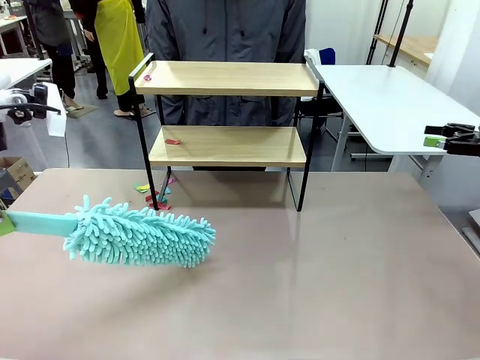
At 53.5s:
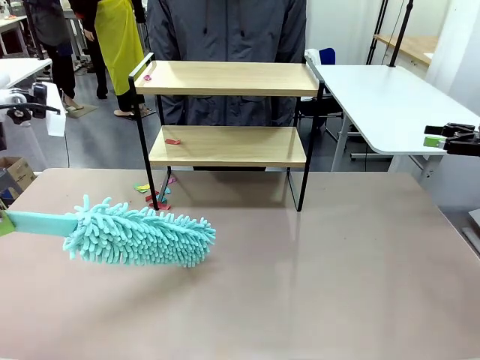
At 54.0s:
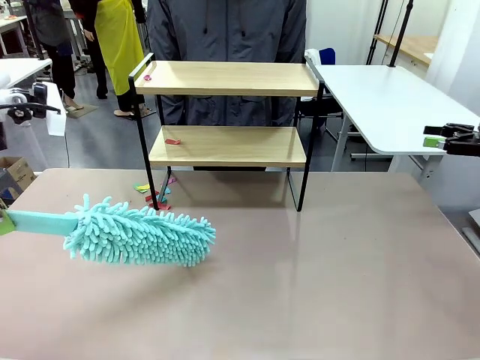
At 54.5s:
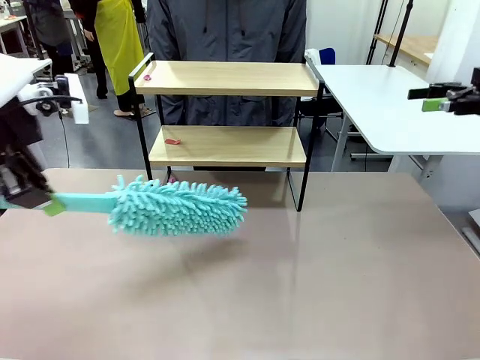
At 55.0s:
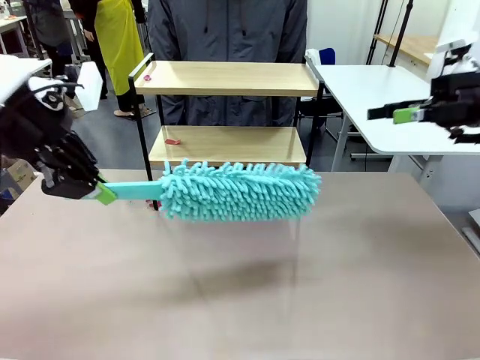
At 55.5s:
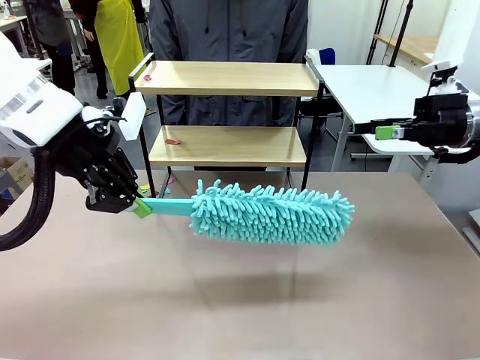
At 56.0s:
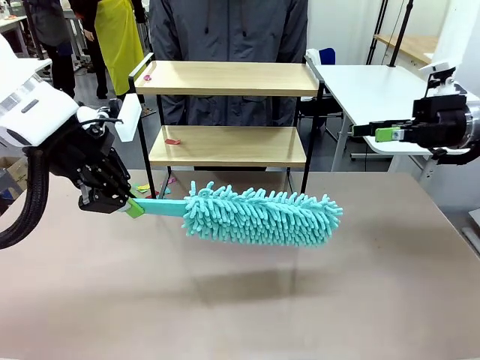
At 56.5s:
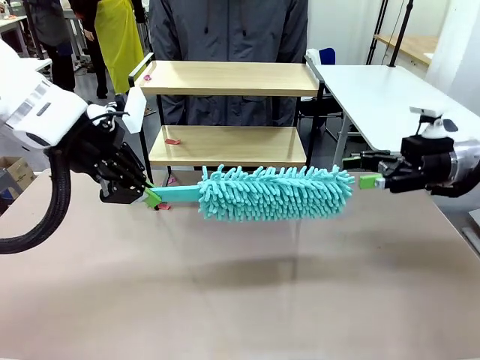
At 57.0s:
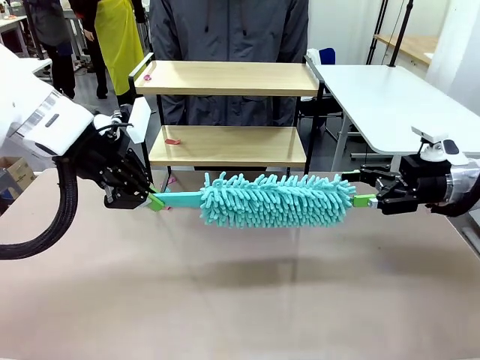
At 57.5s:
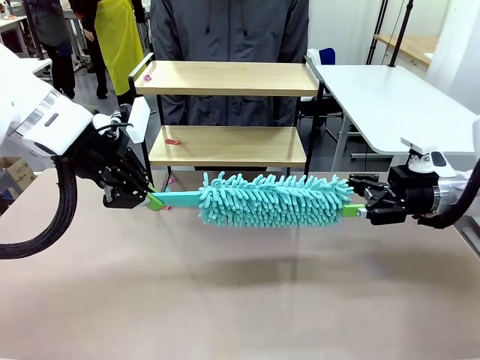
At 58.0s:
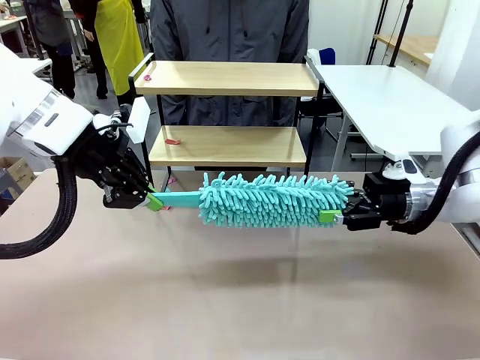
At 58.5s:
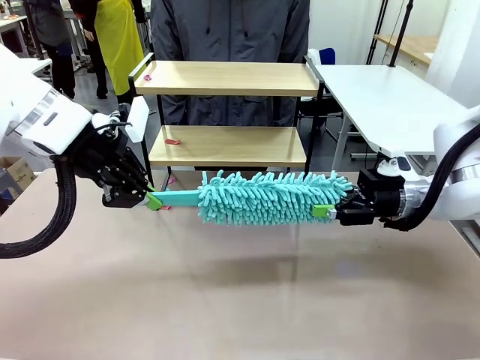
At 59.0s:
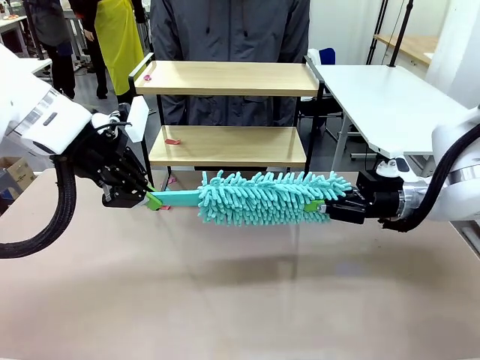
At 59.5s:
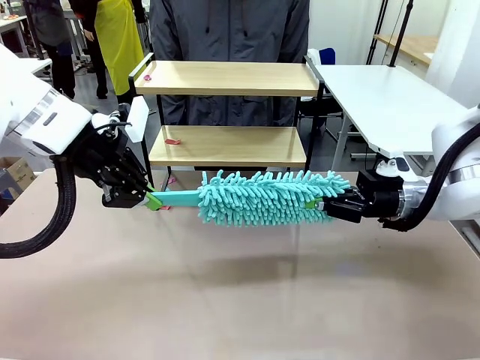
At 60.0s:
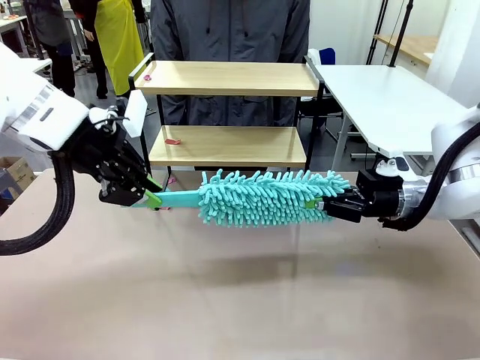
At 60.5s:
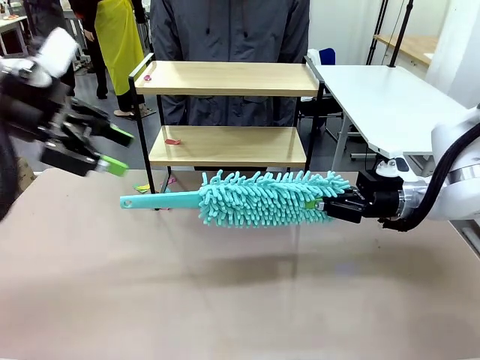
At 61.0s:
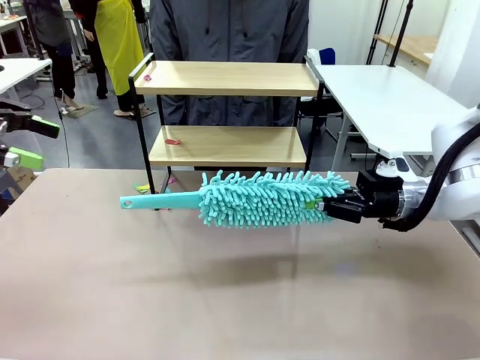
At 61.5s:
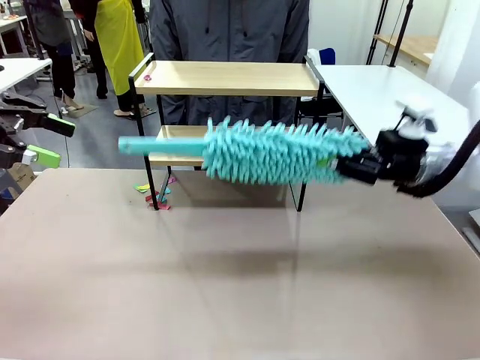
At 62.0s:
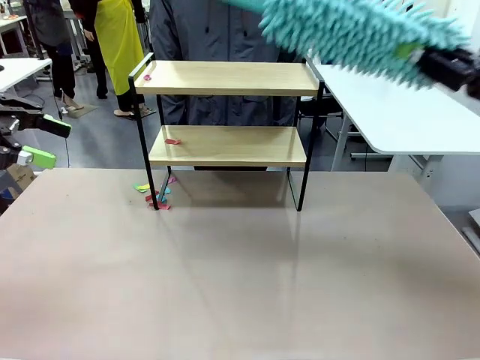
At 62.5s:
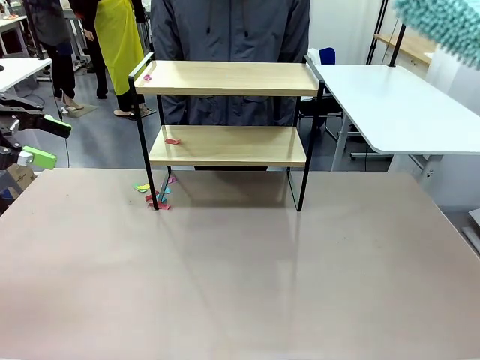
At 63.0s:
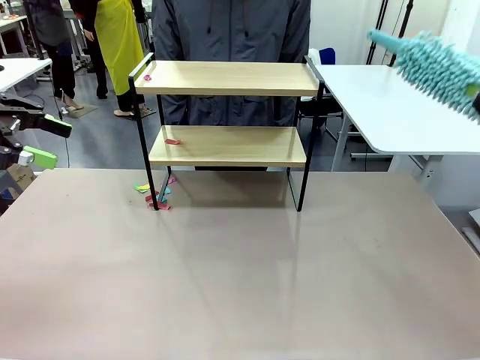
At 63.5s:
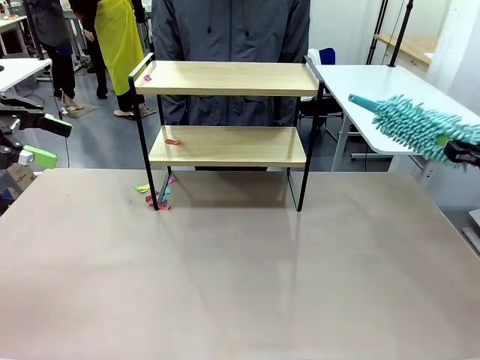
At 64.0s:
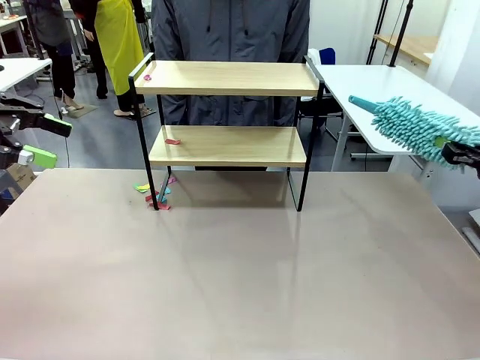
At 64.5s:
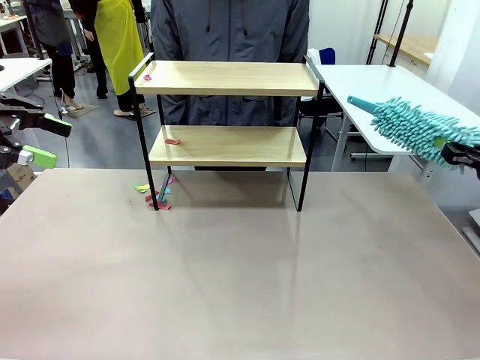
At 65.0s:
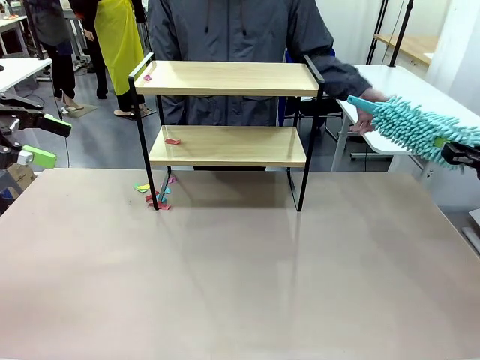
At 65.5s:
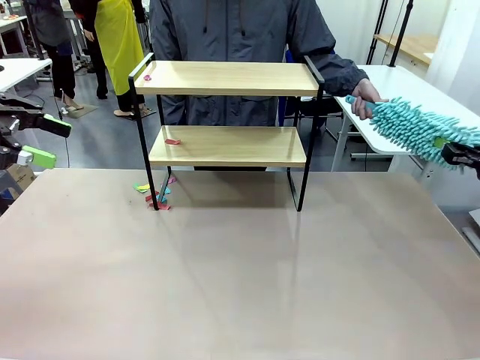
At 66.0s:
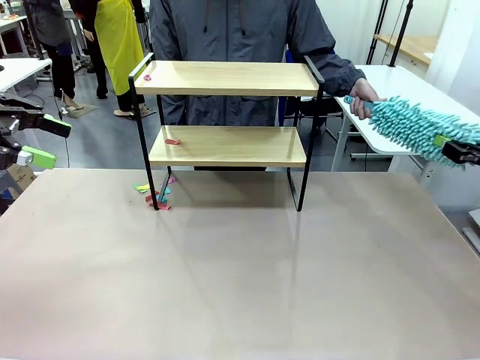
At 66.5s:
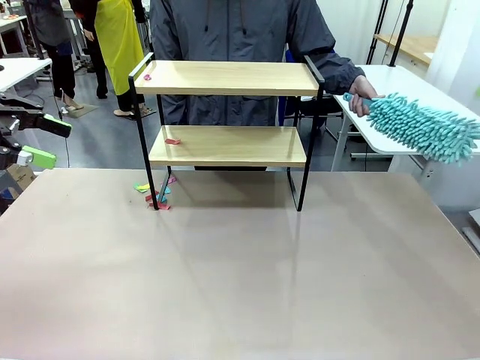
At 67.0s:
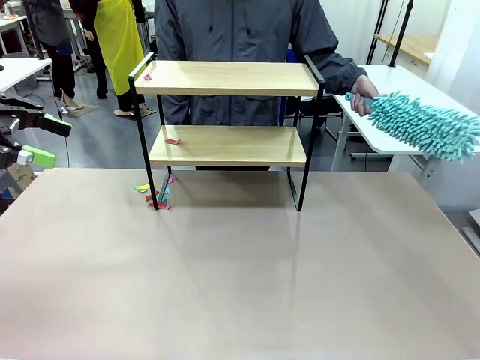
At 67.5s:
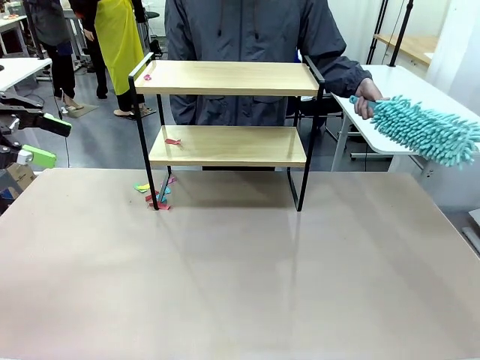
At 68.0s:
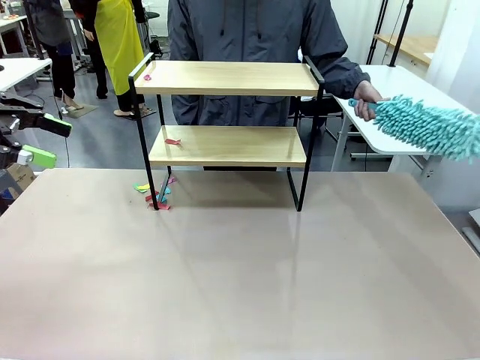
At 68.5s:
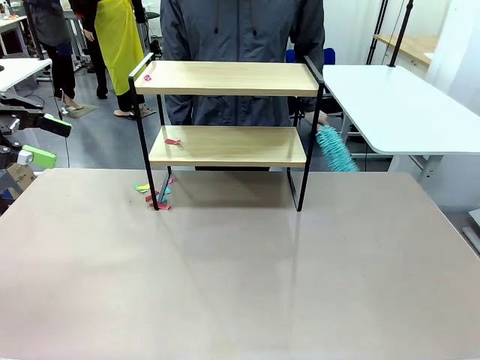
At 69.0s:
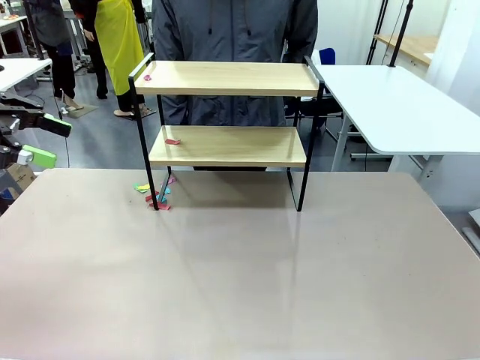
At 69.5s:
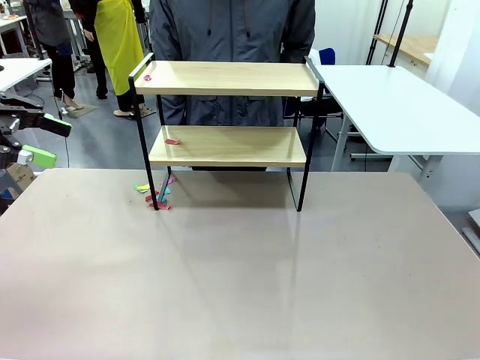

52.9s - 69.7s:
Task: Clean the shelf.
Robot: Hand the Duster back to the human.
Person: Receive the Duster from the robot.

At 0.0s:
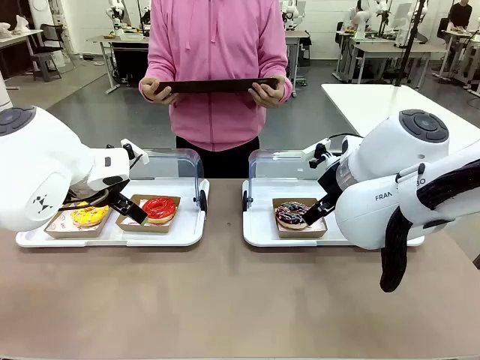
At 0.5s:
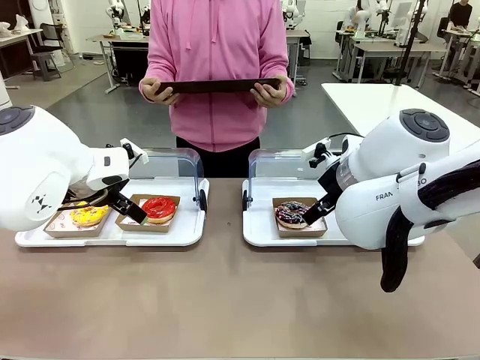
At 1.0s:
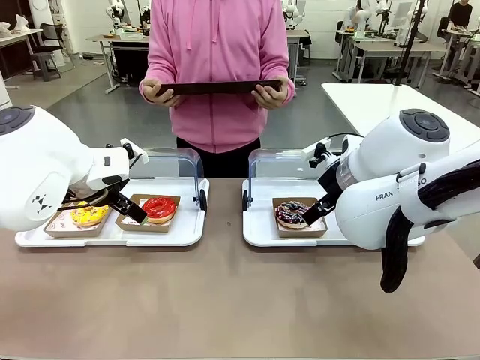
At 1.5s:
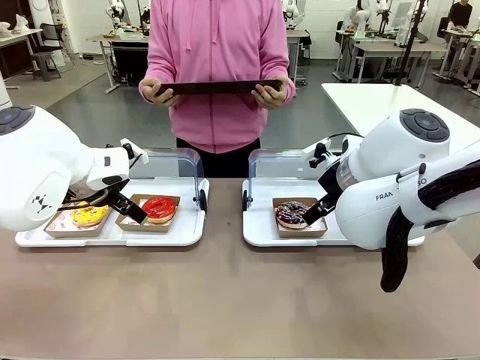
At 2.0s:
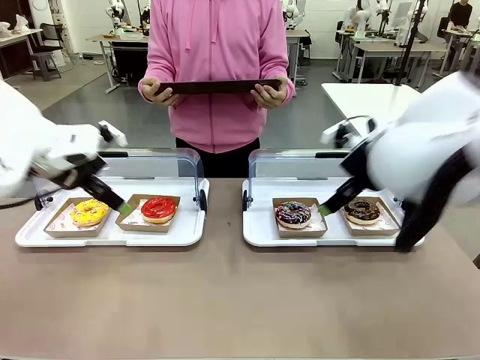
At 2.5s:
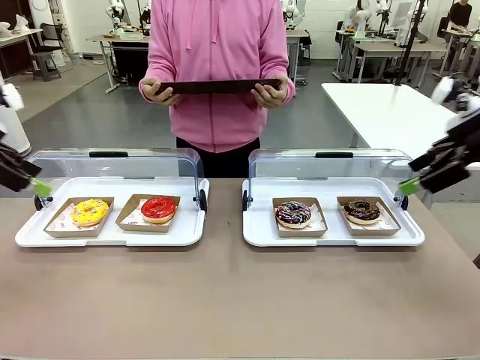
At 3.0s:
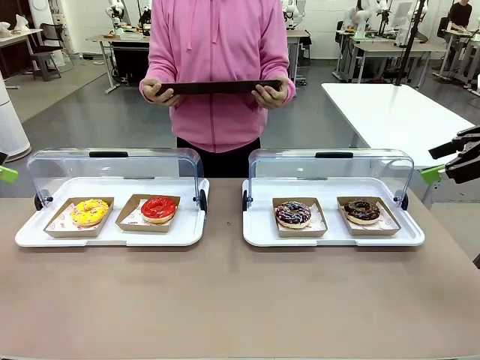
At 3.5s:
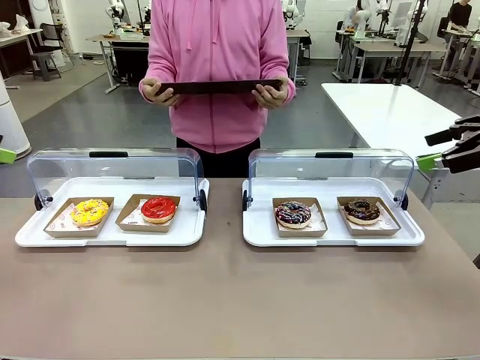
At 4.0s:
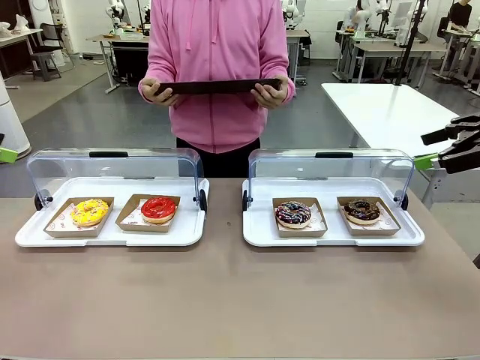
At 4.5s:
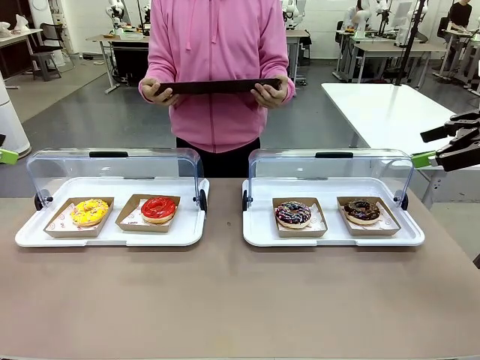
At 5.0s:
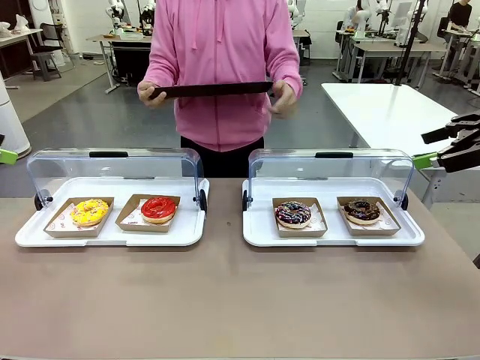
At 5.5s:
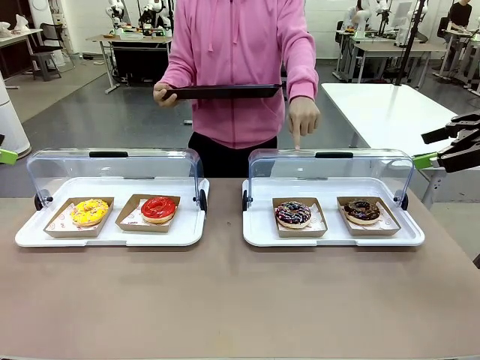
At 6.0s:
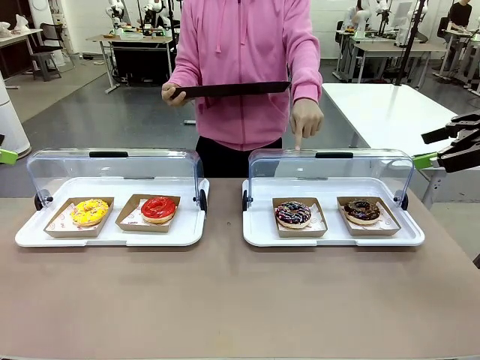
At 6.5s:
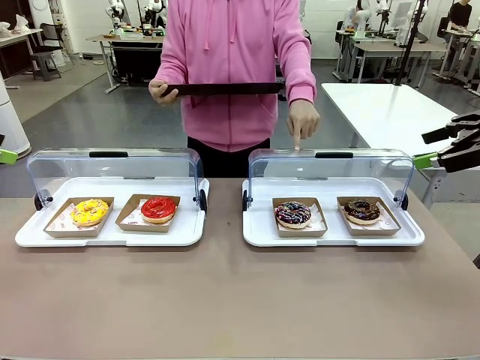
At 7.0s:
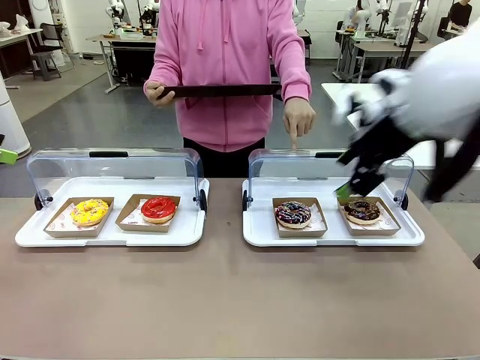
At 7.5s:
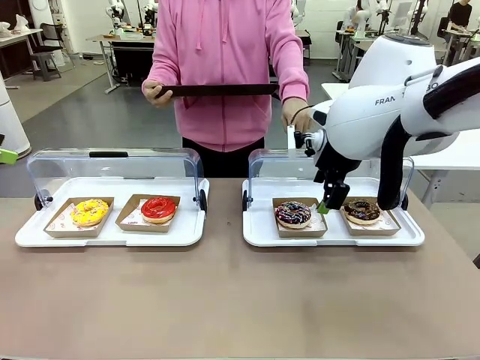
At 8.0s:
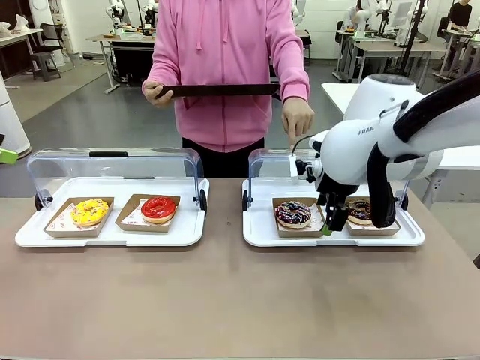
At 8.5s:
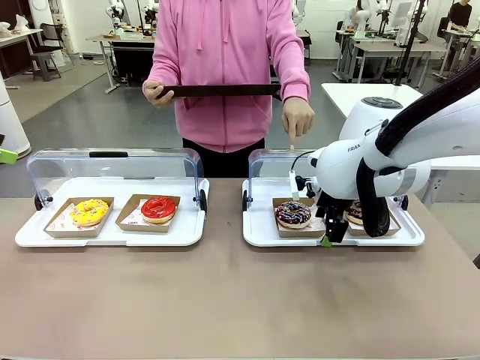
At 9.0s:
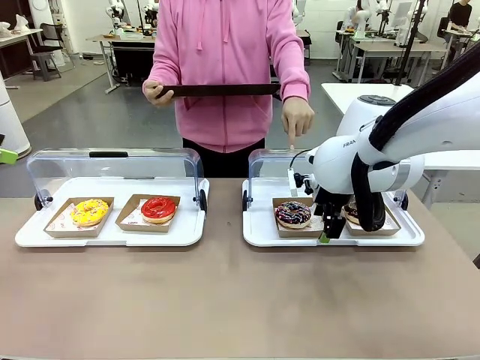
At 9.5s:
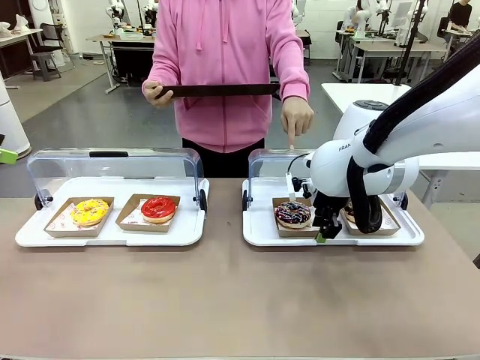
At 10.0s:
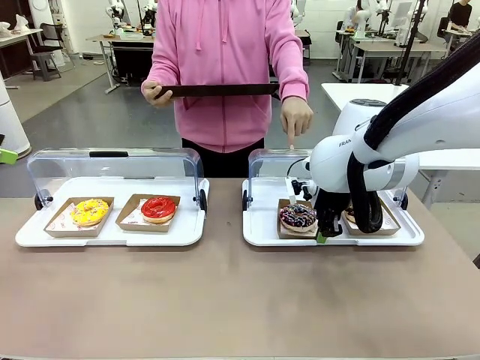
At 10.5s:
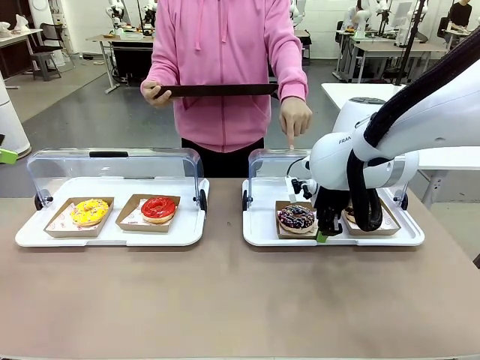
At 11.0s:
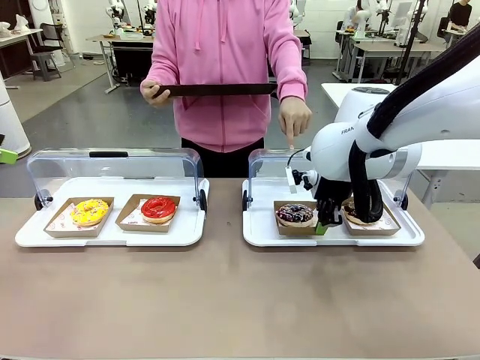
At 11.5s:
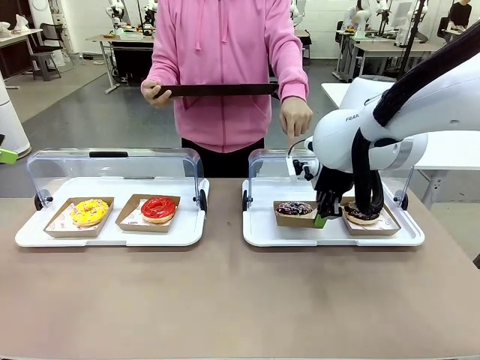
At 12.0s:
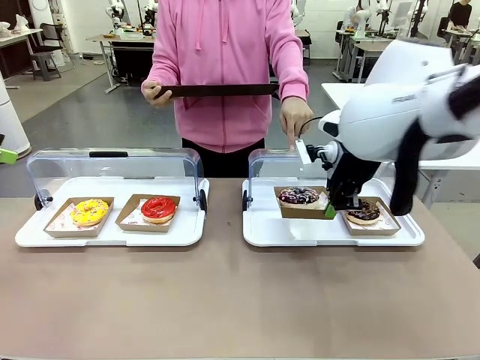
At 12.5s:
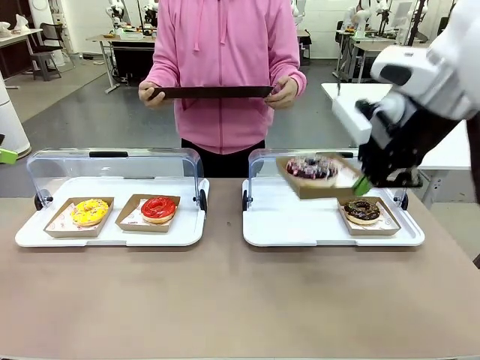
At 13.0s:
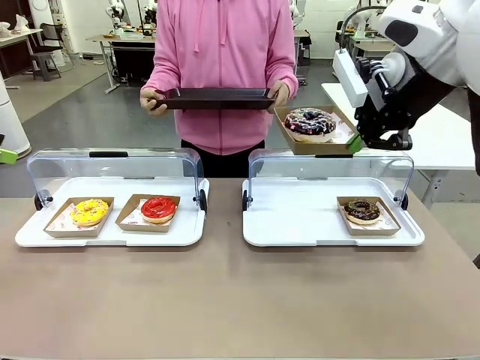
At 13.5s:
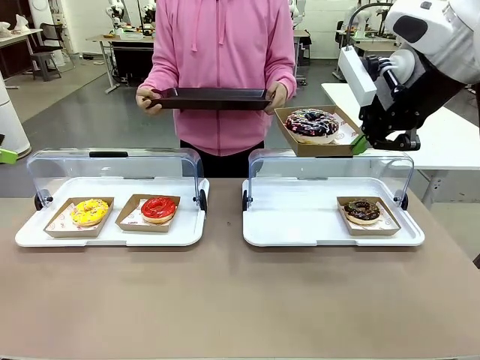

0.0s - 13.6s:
Task: Provide the desired donut to the person.
Robot: Pick up and lift the Paper togo box containing the Donut pointed at by the person.
Person: Point to one donut. Lift the tray onto the Roll-Top Bakery Case.
